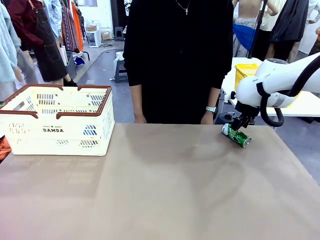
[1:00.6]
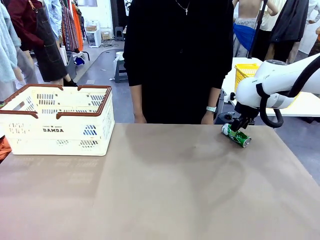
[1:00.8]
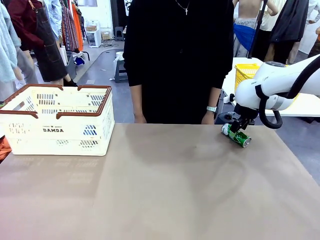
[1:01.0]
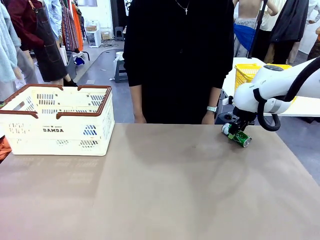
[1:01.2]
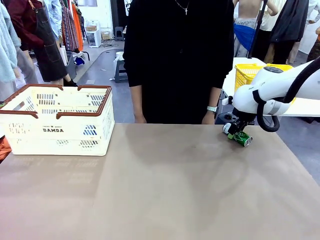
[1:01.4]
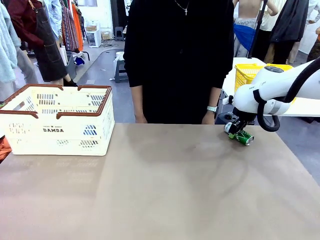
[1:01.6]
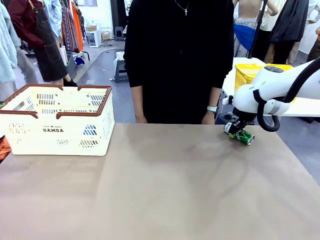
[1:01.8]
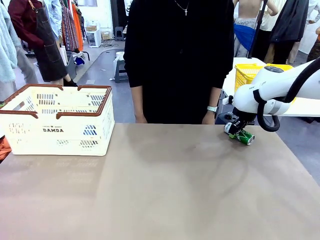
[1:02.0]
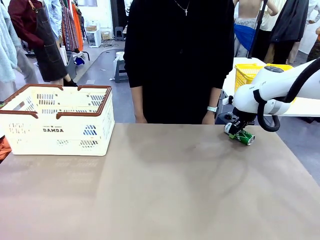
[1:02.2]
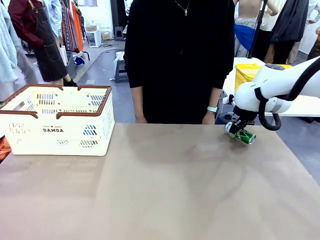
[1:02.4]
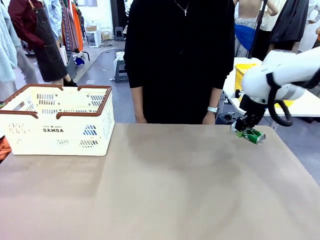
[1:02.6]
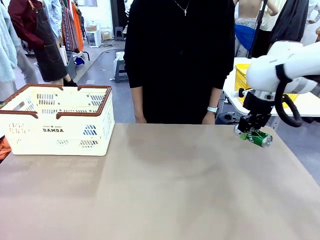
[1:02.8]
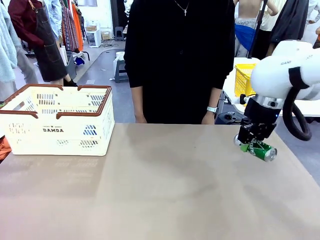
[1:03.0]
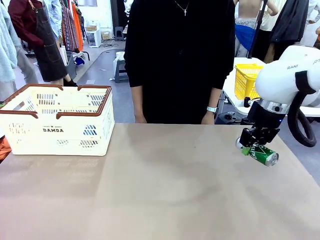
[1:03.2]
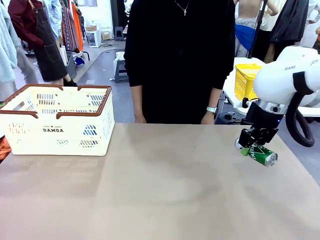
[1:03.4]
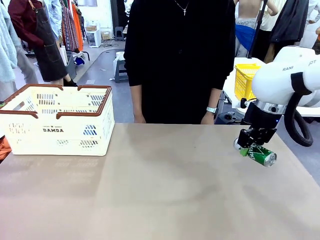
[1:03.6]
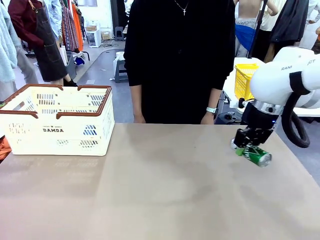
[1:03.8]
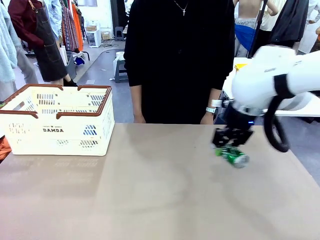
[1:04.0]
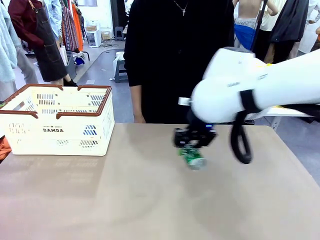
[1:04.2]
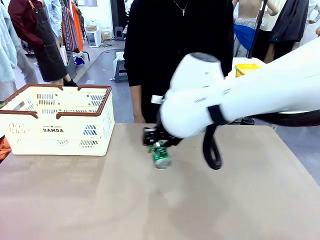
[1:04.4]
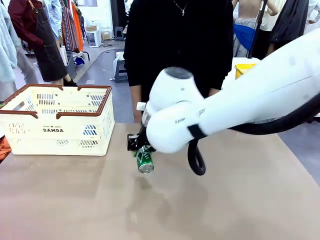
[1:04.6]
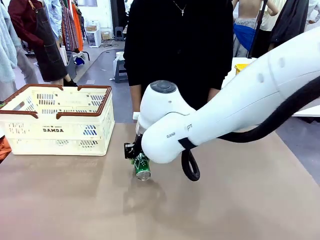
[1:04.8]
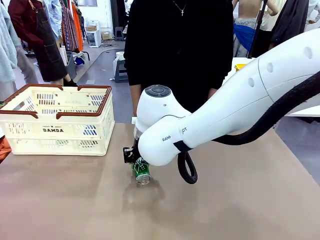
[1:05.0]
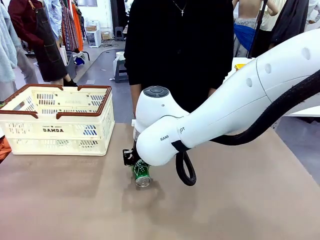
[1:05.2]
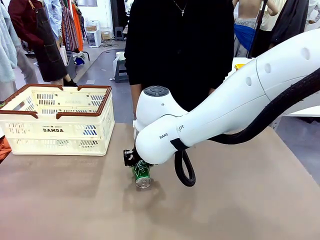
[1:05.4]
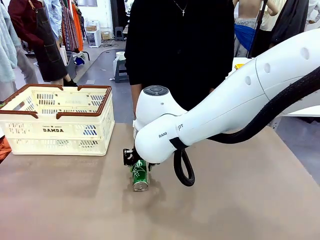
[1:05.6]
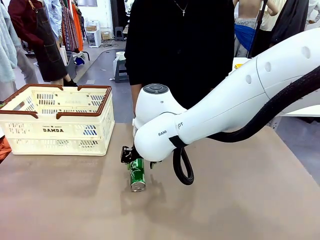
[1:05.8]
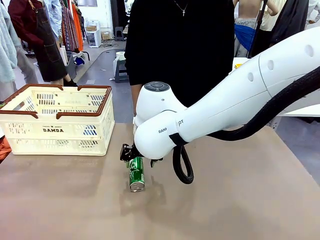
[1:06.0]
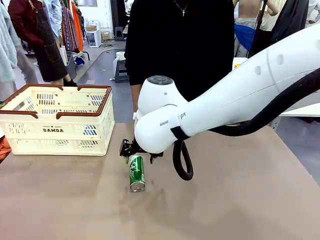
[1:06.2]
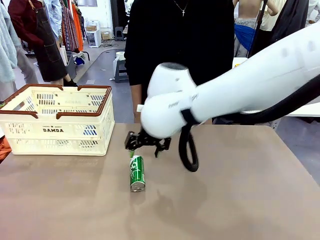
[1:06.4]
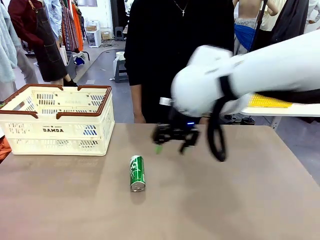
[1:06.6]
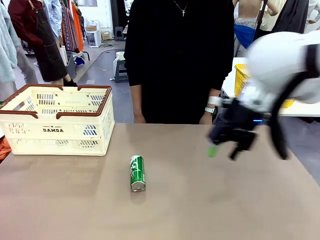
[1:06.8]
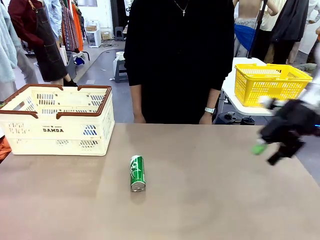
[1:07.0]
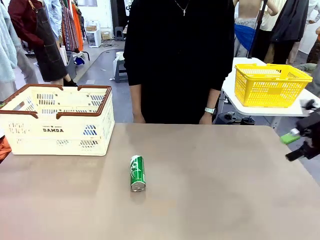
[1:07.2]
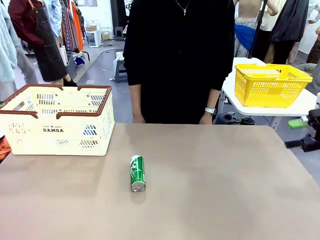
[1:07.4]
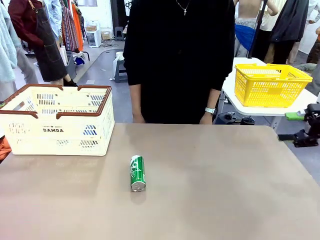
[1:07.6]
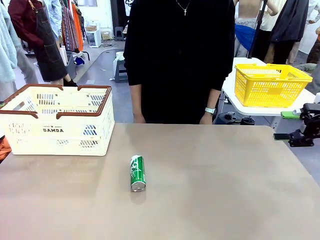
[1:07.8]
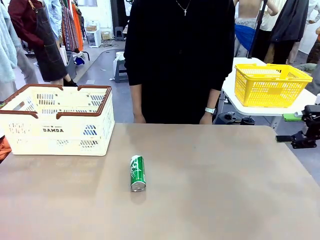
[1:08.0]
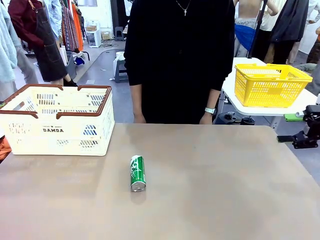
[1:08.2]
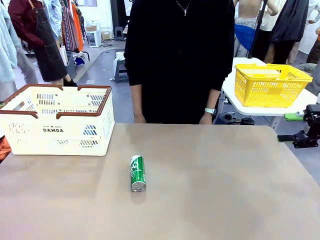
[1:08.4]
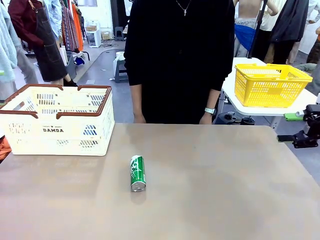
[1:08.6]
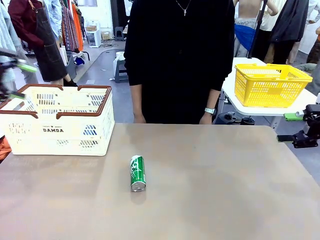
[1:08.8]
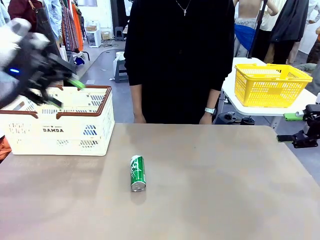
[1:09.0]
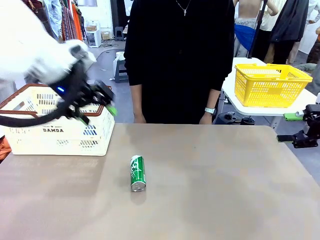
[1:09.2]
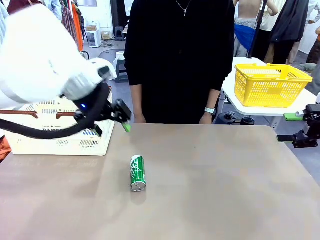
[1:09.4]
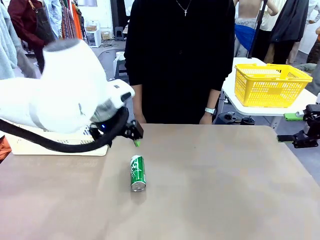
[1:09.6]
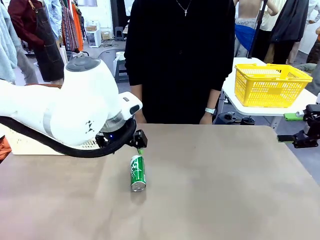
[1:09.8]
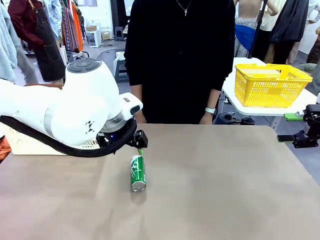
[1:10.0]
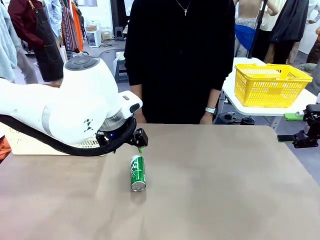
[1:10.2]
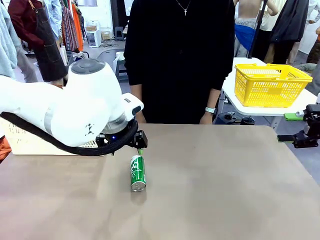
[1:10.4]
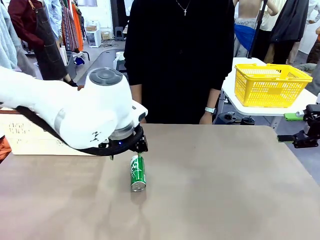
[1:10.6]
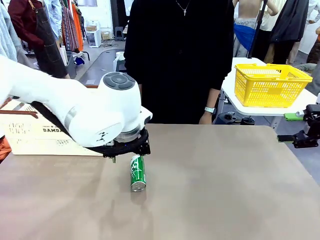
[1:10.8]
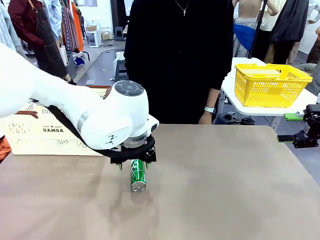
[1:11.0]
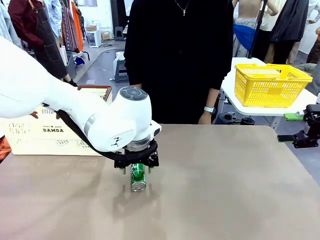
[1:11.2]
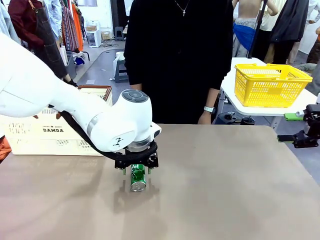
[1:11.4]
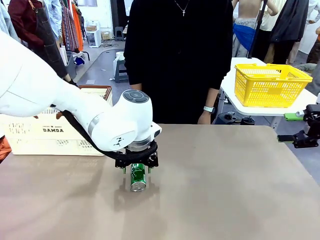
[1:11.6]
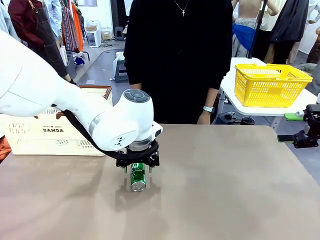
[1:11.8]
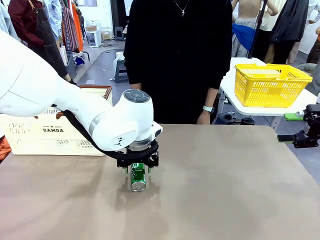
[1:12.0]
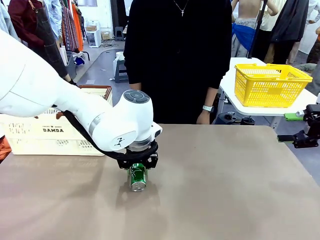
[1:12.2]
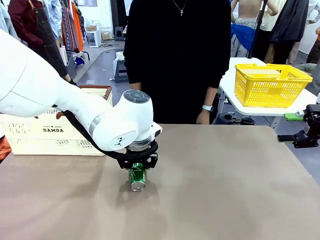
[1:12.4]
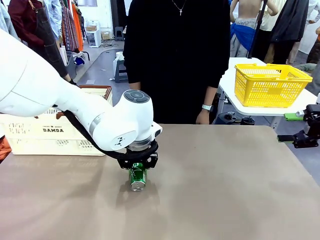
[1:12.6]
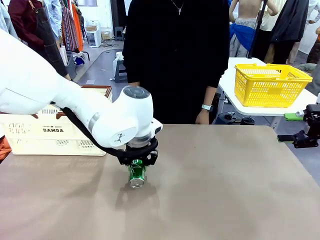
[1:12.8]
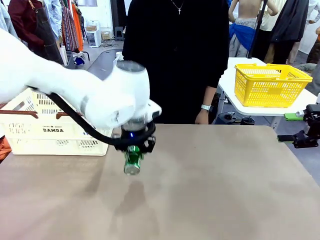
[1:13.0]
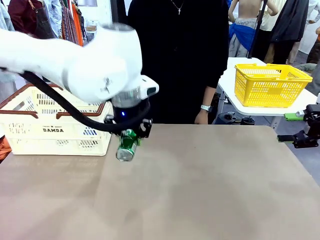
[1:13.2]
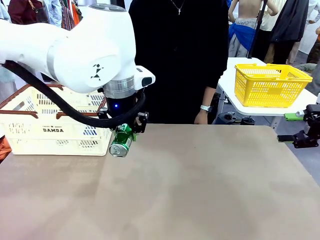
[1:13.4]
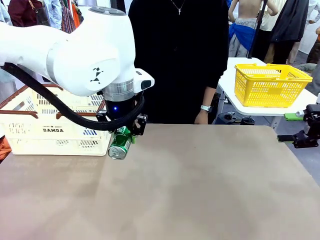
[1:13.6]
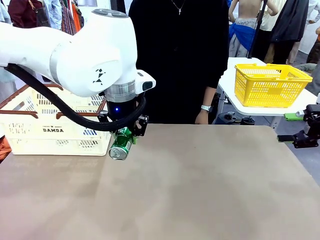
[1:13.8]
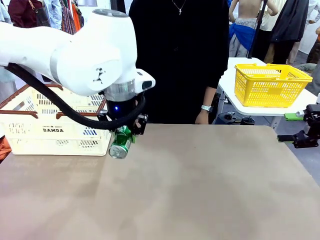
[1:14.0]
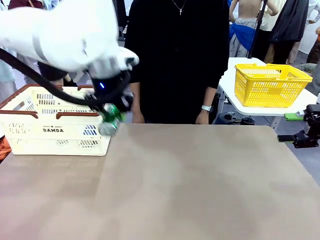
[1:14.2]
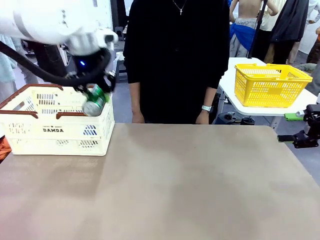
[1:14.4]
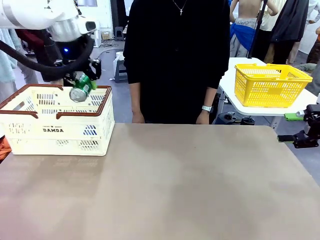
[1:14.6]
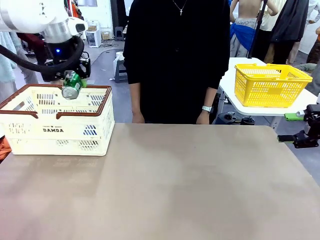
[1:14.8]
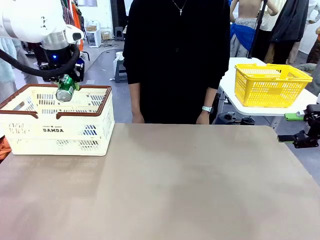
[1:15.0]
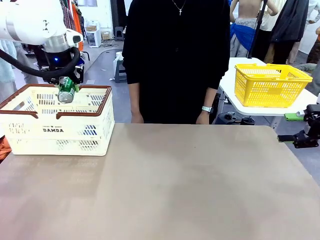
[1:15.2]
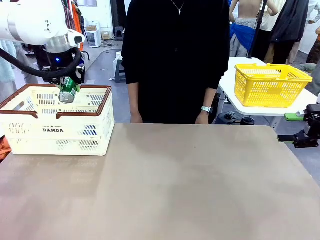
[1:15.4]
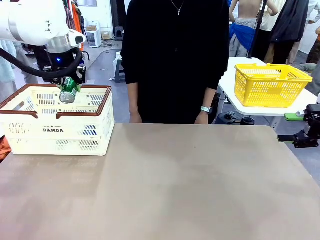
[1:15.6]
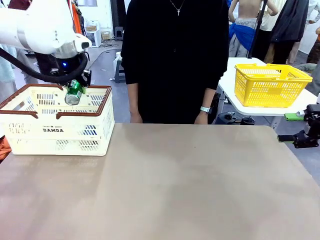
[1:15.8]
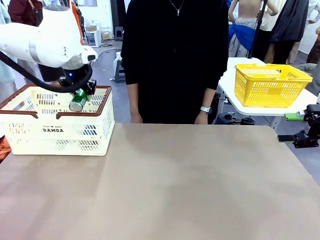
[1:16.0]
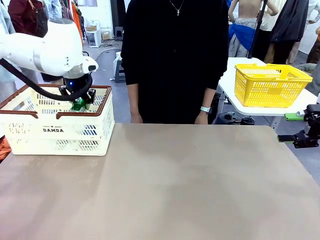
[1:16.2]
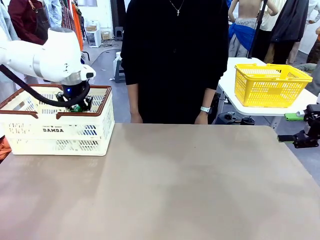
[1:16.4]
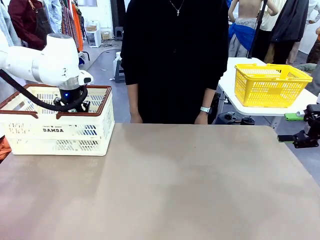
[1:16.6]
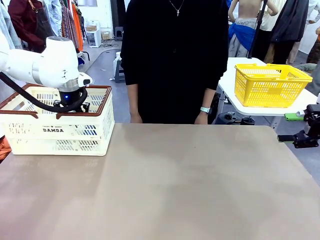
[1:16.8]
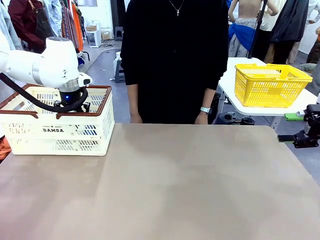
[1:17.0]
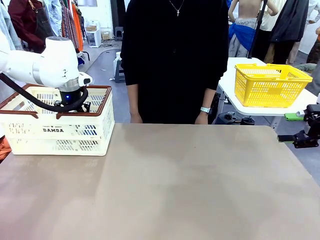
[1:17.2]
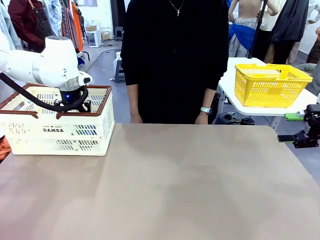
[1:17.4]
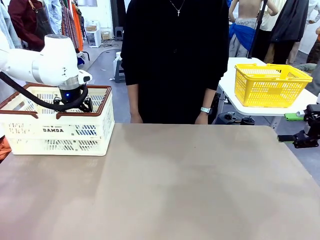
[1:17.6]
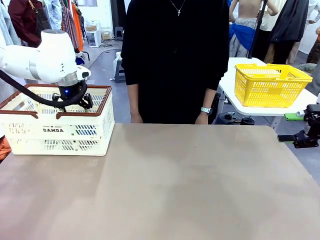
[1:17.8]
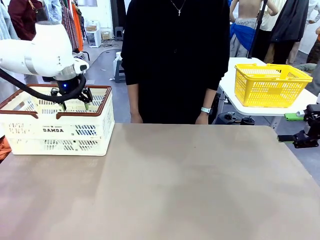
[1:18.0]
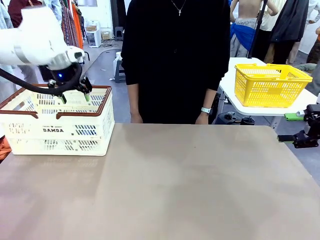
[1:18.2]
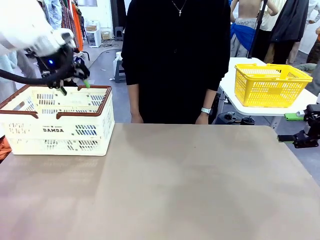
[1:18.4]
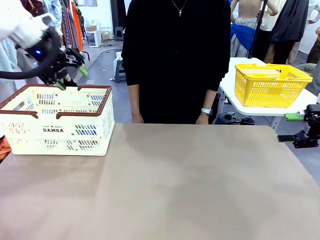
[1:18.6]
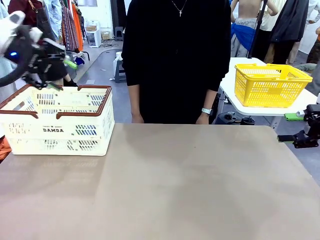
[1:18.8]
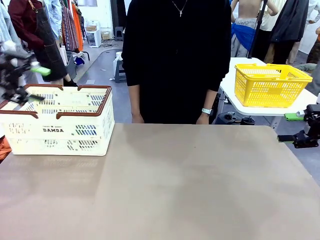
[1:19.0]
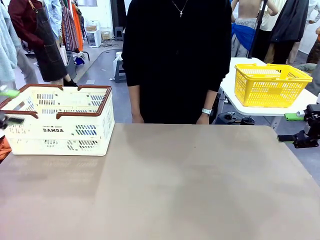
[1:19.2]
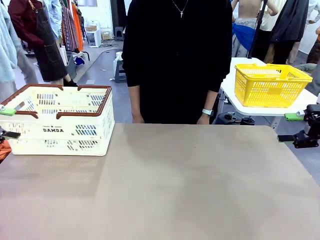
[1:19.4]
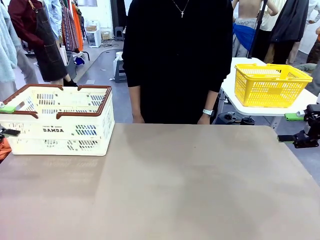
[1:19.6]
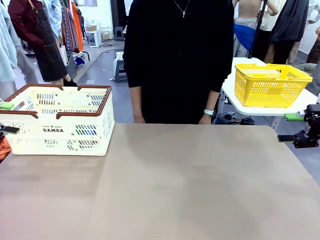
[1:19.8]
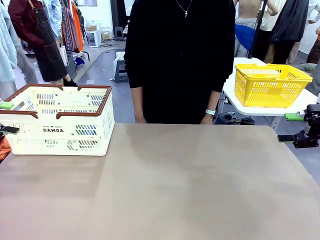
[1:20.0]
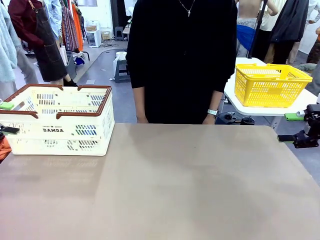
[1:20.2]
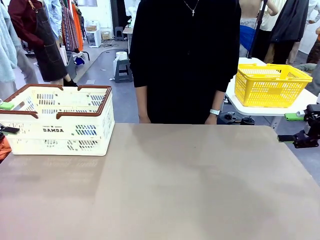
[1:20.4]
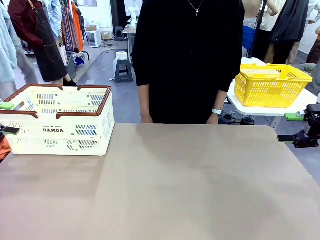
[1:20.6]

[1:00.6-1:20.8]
Task: Place the drinks into the Shopping basket.
Robot: Pick up one drink and place it into the Shopping basket.
